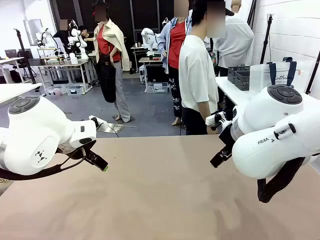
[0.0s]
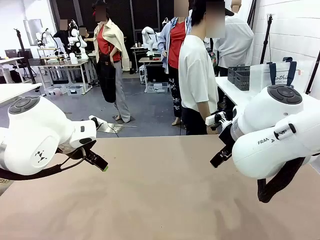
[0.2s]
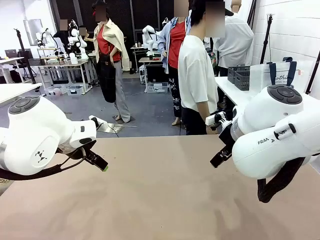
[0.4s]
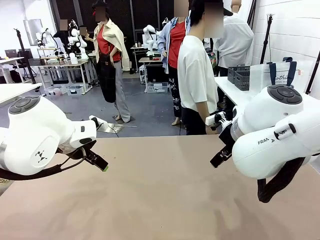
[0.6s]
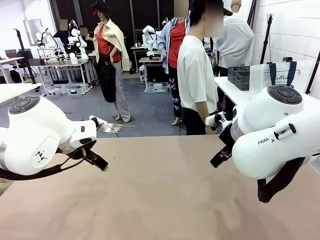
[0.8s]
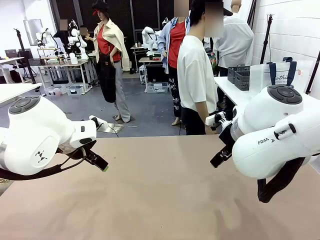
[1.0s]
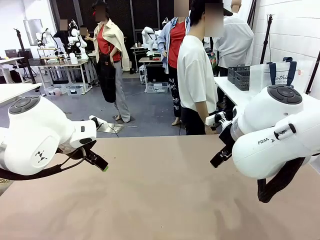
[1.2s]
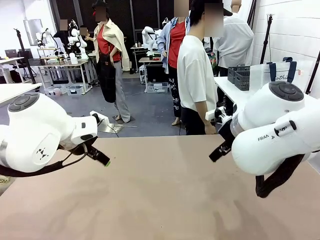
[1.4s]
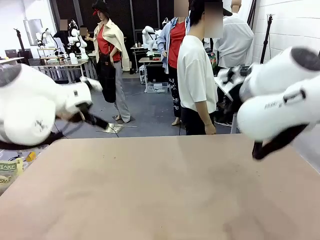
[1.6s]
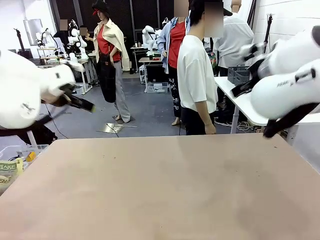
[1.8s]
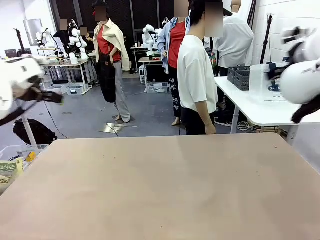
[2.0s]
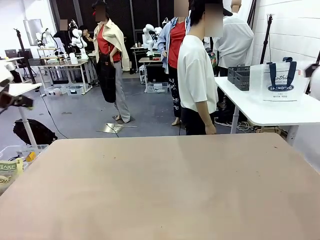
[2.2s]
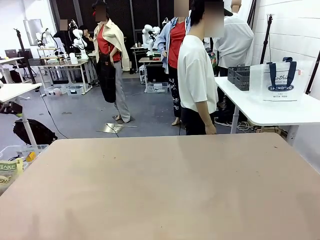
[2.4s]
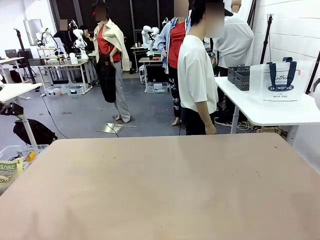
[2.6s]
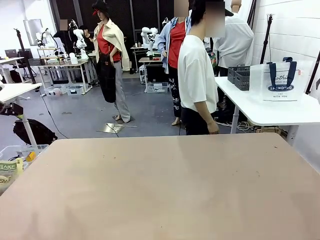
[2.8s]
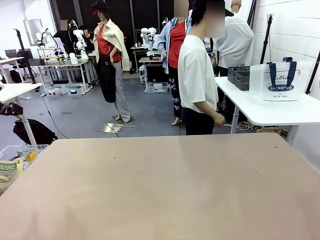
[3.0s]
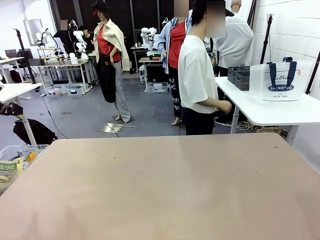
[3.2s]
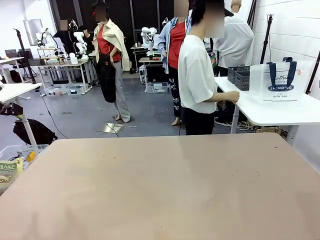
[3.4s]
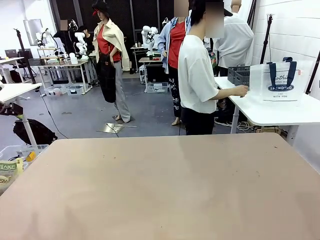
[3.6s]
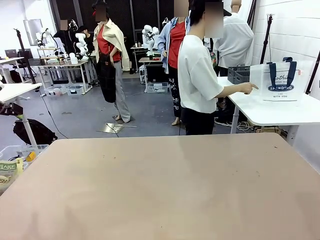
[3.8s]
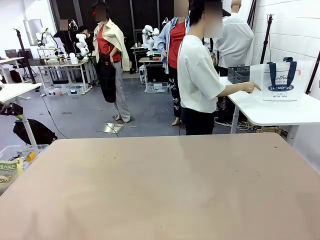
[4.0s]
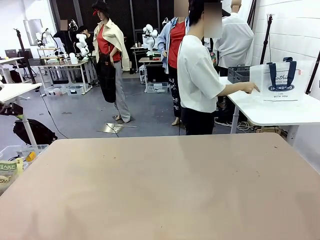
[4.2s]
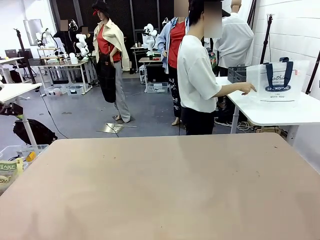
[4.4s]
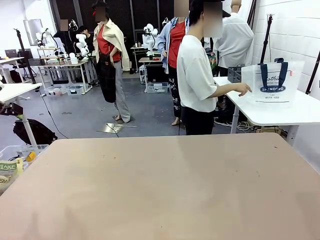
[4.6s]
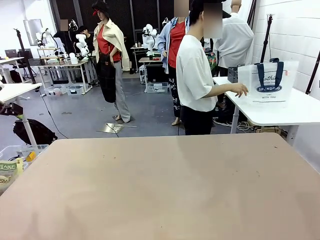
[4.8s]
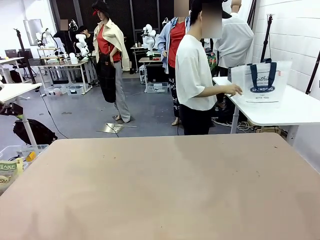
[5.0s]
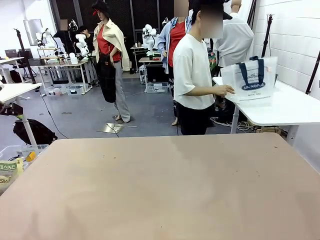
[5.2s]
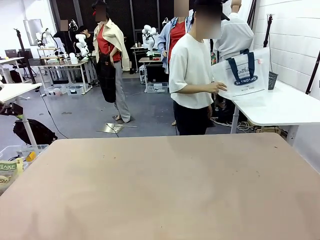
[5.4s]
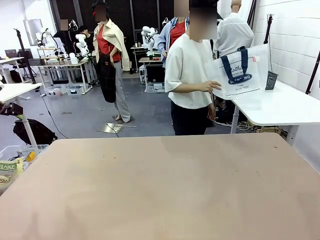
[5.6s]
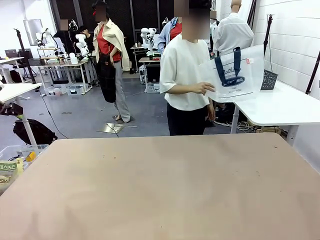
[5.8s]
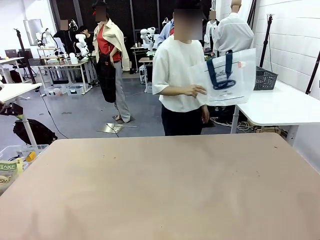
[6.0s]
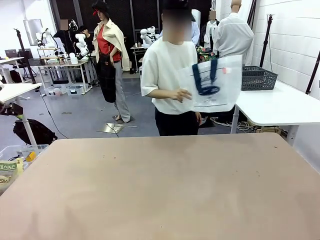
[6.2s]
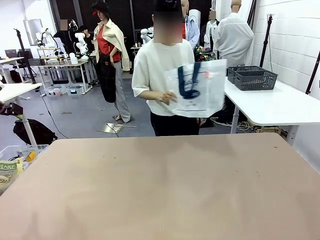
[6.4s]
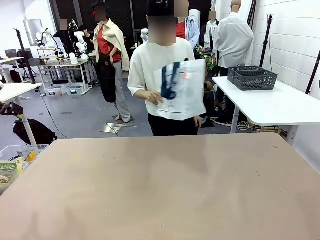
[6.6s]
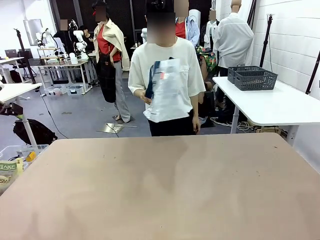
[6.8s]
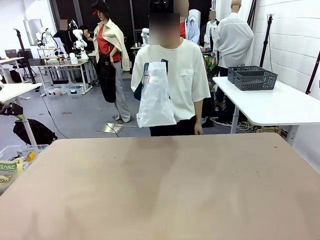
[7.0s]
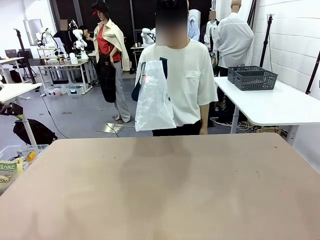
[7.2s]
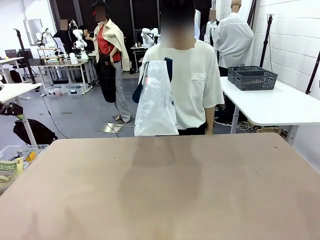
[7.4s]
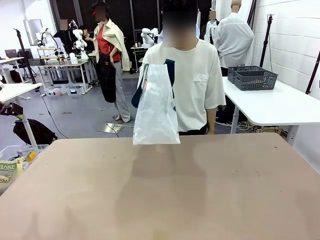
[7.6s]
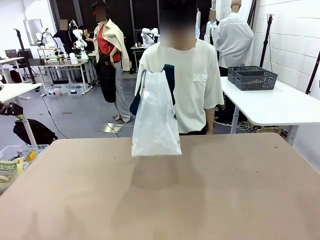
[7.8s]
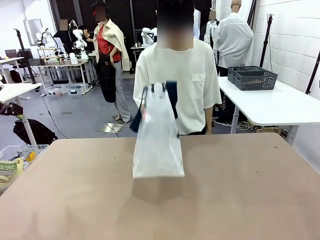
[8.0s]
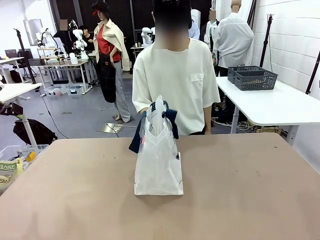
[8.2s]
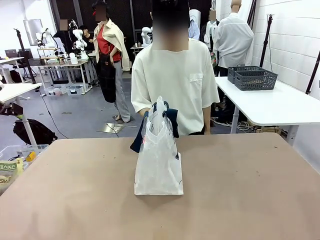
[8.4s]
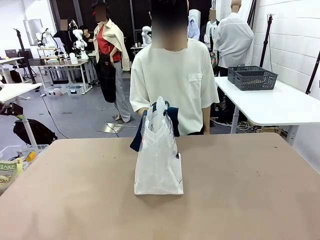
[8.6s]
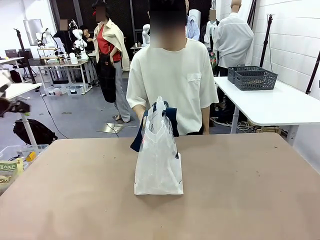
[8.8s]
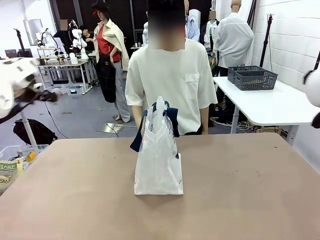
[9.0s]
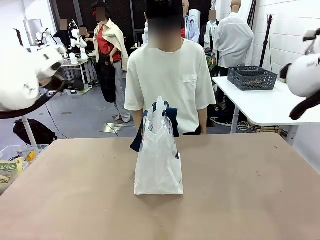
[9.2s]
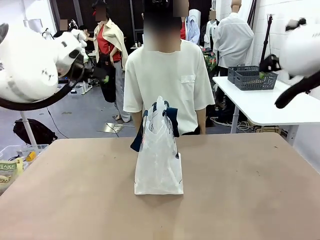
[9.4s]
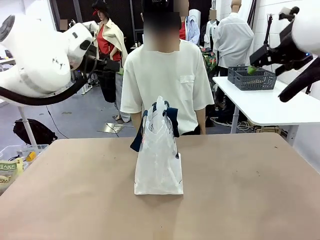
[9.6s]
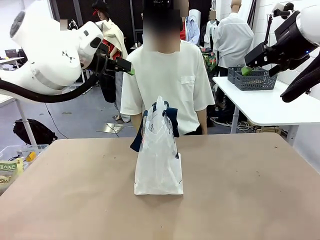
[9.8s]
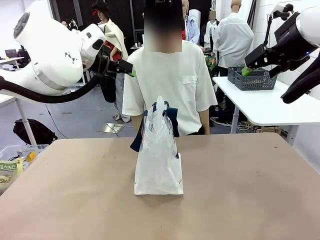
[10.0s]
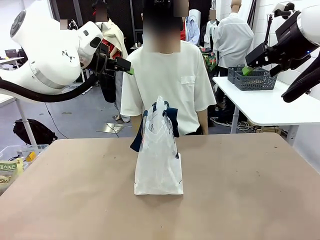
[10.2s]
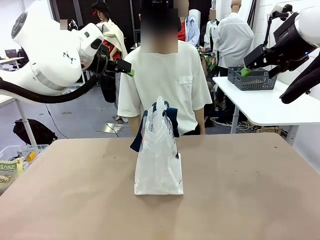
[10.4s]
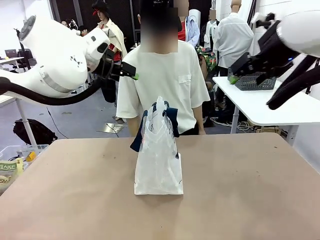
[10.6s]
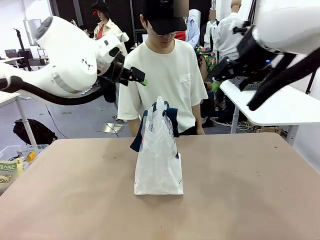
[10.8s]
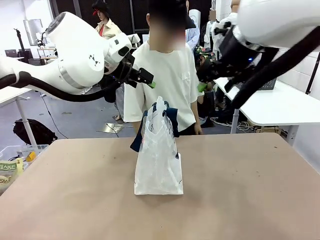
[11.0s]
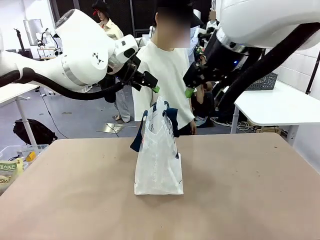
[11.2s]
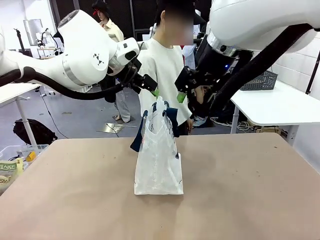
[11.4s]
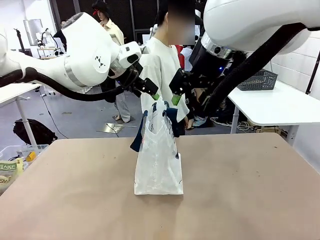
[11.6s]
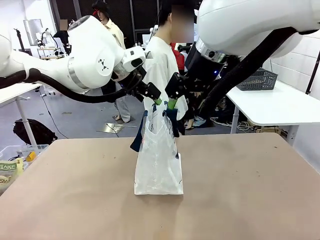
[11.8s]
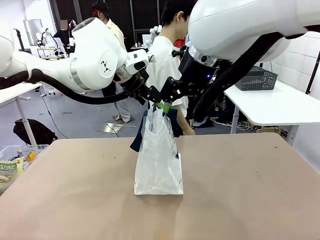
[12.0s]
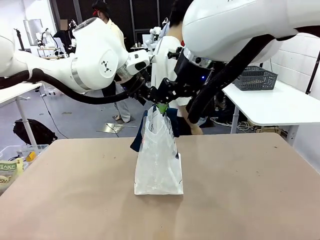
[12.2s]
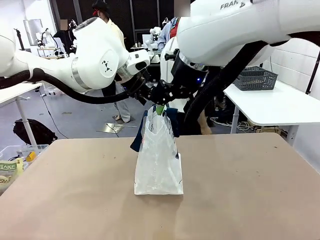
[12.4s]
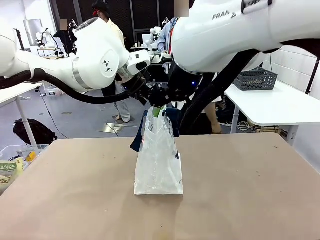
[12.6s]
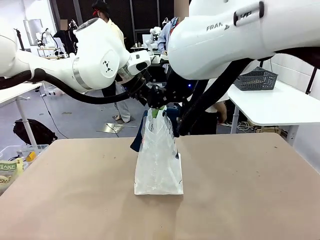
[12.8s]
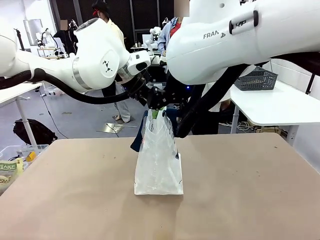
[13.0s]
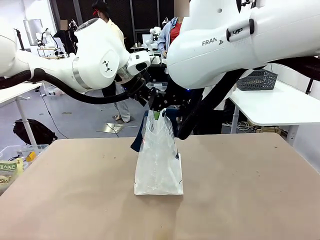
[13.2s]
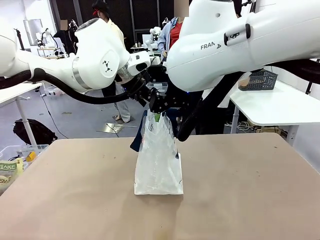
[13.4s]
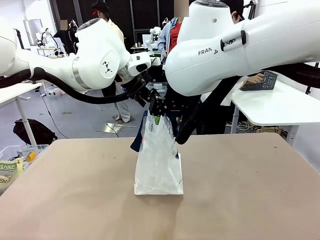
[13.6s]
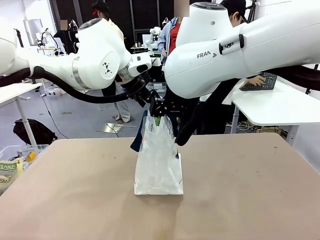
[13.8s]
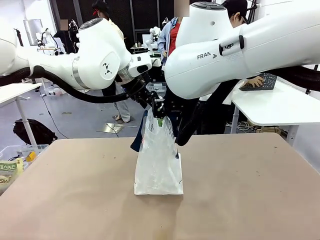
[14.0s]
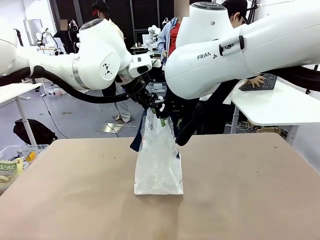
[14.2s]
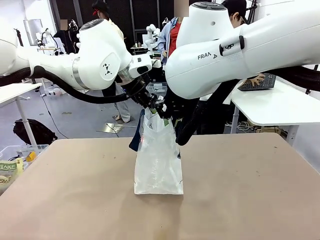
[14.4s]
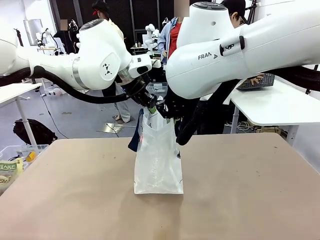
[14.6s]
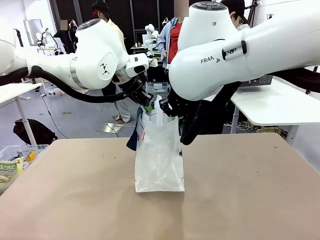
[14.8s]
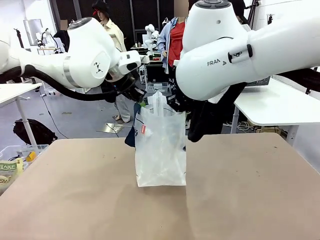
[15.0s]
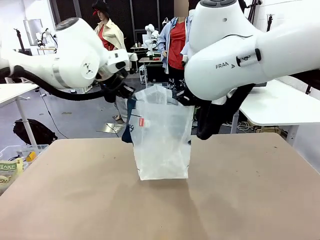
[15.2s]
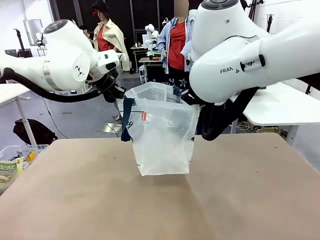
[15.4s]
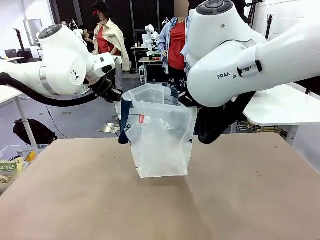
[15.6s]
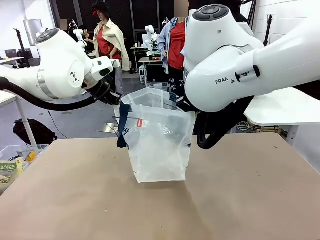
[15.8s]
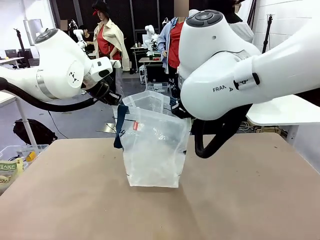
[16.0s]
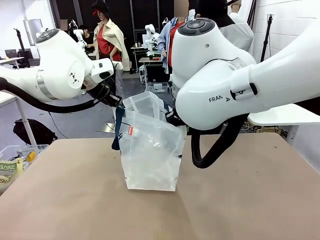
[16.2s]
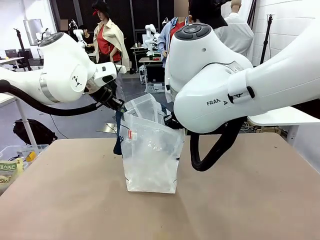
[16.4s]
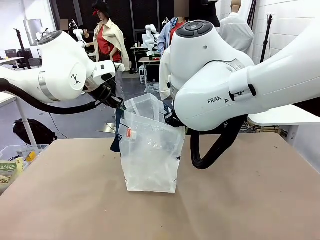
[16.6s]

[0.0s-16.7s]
Task: Transfer purchased items from the store into the shopping bag.
Robot: Open the Reusable shopping bag in the center of the table.
Person: Pick up the shopping bag and place it in the middle of the robot table. Pick up the basket on the right, place it on the left side of the robot table, and move the items in the basket to the shopping bag.
